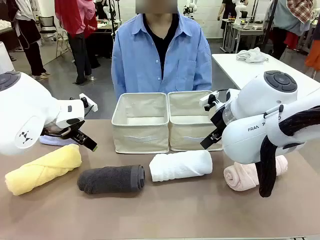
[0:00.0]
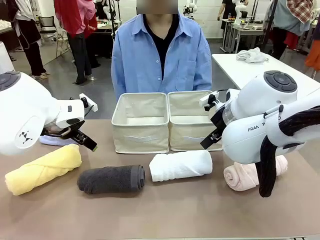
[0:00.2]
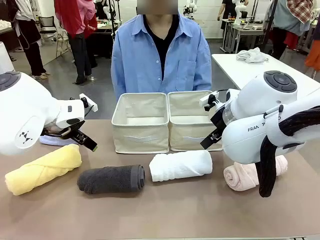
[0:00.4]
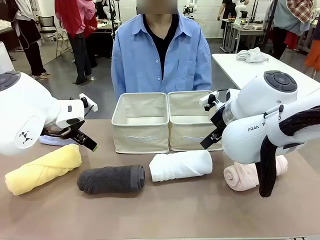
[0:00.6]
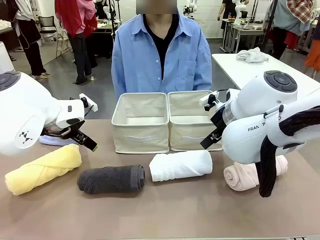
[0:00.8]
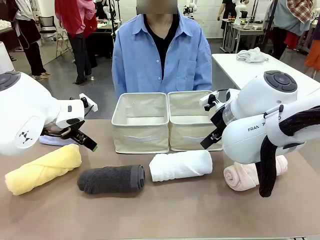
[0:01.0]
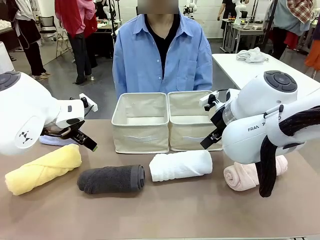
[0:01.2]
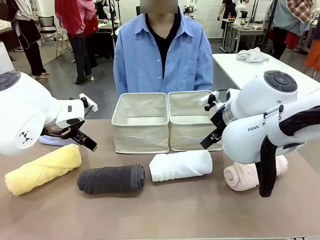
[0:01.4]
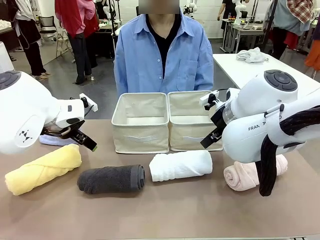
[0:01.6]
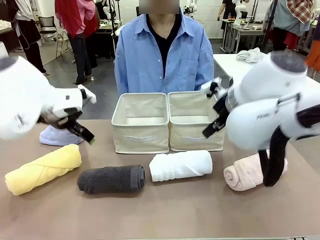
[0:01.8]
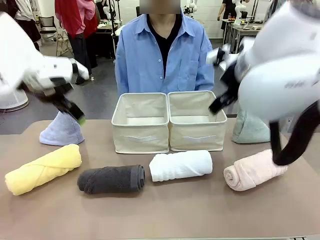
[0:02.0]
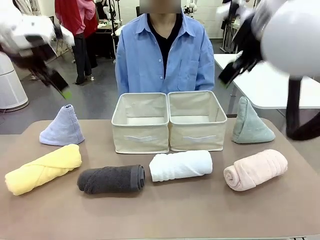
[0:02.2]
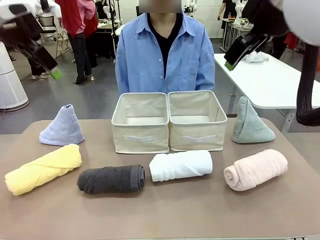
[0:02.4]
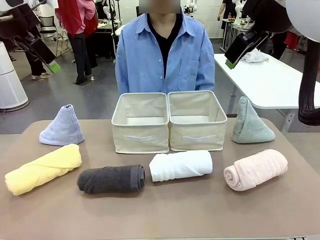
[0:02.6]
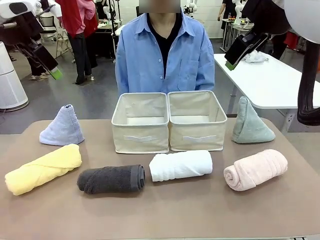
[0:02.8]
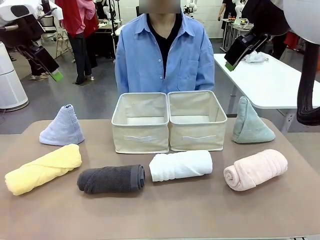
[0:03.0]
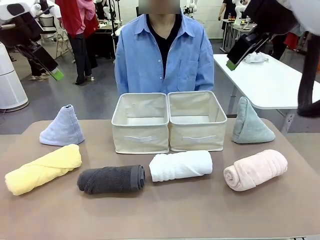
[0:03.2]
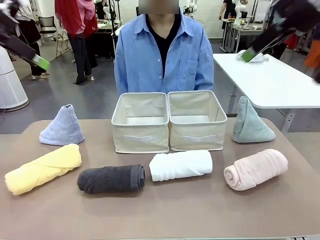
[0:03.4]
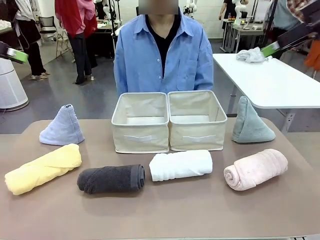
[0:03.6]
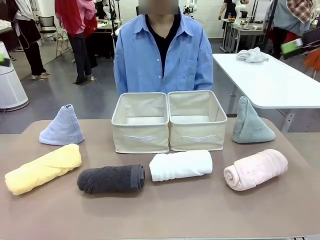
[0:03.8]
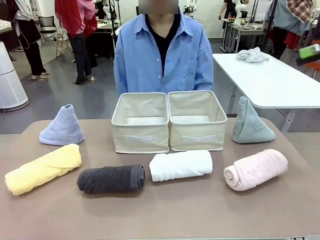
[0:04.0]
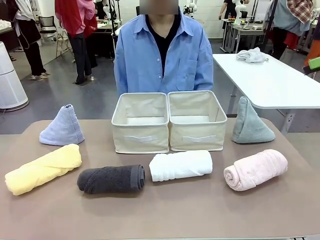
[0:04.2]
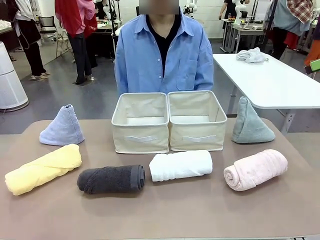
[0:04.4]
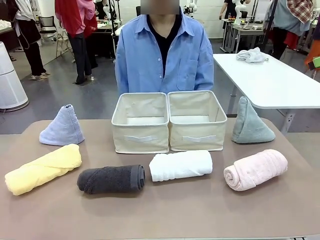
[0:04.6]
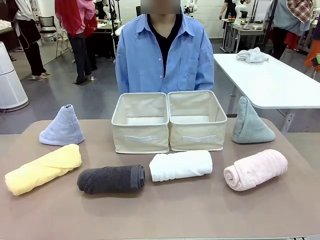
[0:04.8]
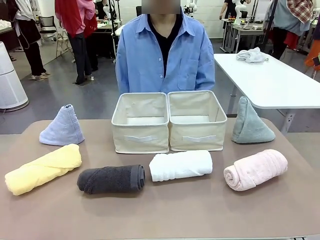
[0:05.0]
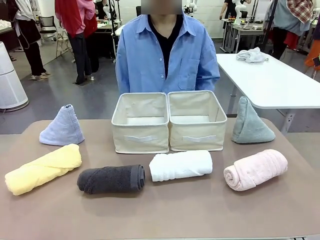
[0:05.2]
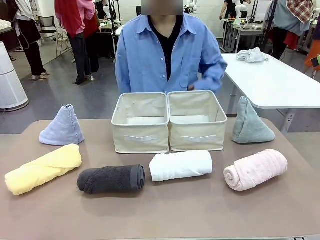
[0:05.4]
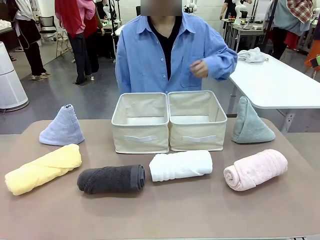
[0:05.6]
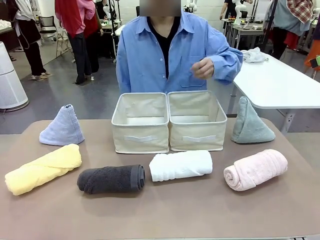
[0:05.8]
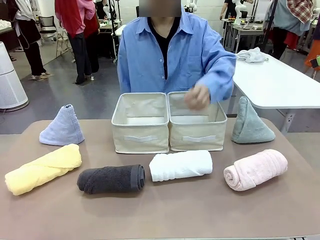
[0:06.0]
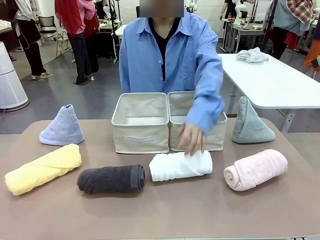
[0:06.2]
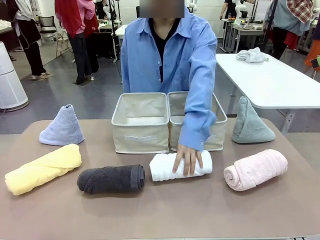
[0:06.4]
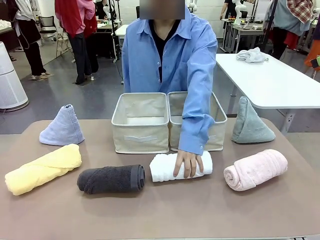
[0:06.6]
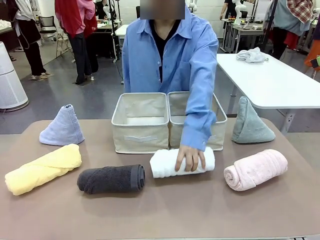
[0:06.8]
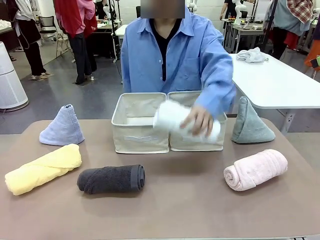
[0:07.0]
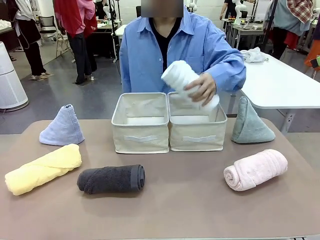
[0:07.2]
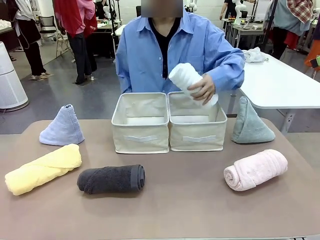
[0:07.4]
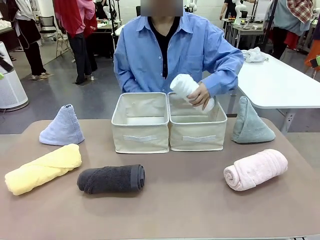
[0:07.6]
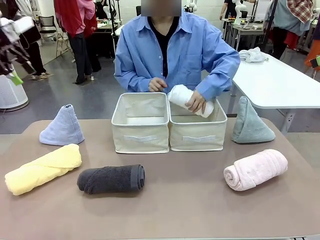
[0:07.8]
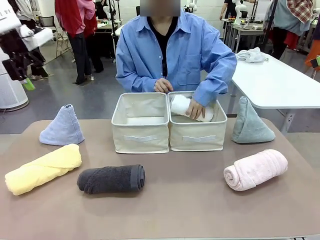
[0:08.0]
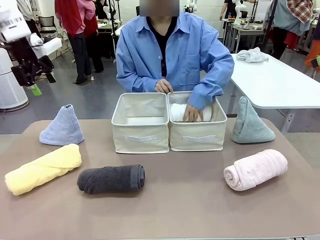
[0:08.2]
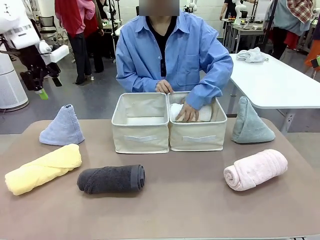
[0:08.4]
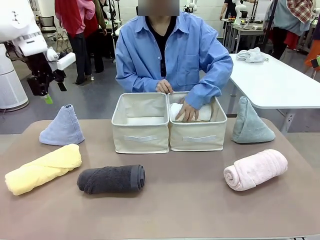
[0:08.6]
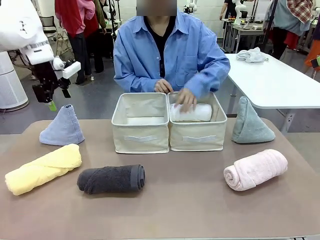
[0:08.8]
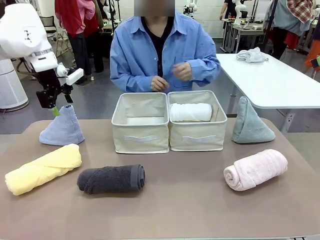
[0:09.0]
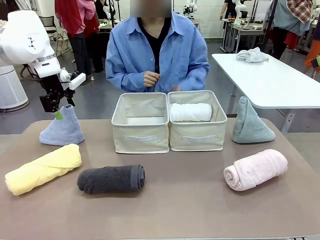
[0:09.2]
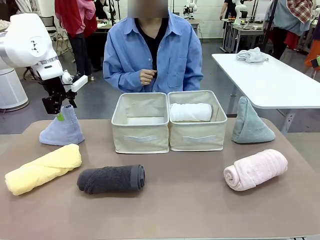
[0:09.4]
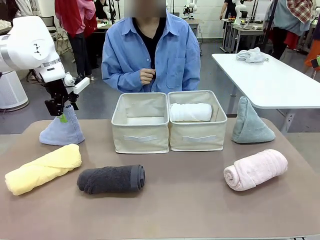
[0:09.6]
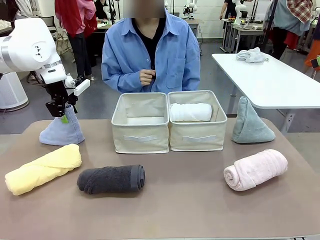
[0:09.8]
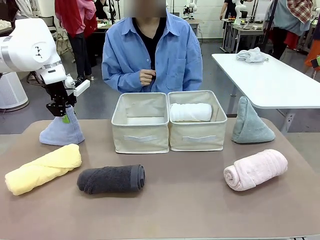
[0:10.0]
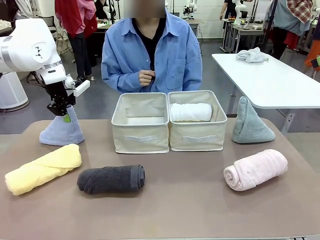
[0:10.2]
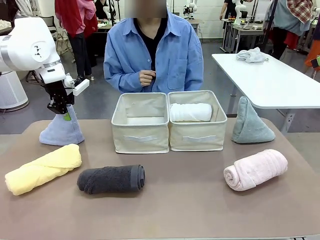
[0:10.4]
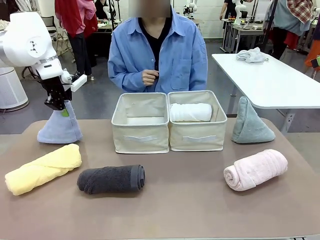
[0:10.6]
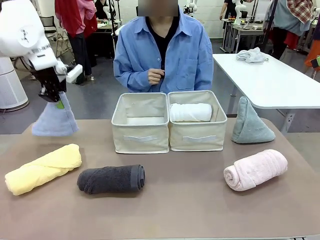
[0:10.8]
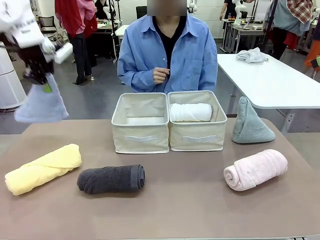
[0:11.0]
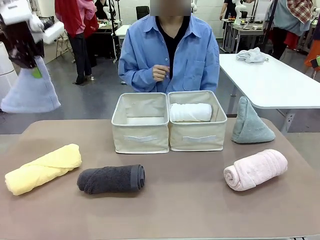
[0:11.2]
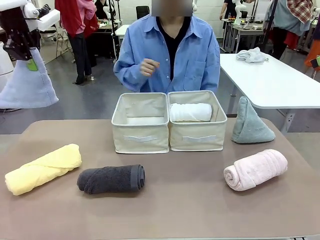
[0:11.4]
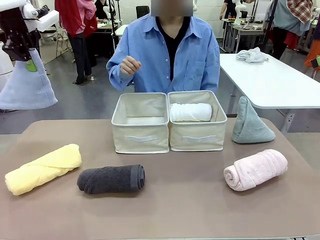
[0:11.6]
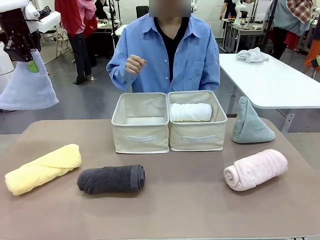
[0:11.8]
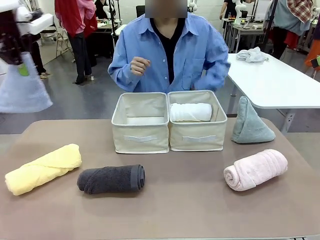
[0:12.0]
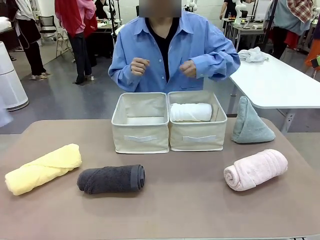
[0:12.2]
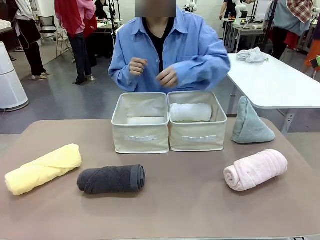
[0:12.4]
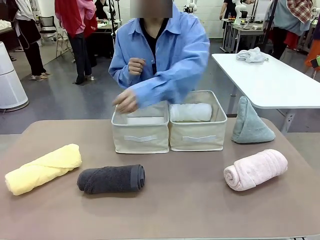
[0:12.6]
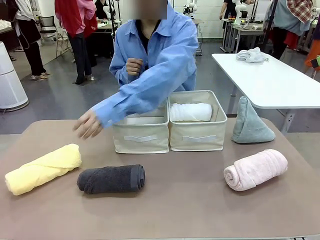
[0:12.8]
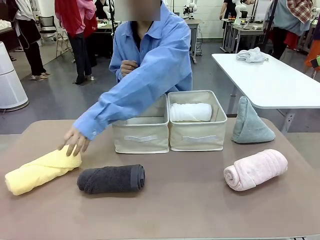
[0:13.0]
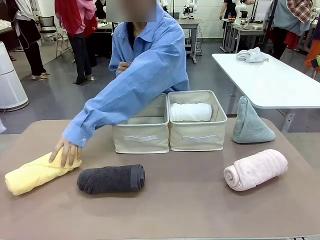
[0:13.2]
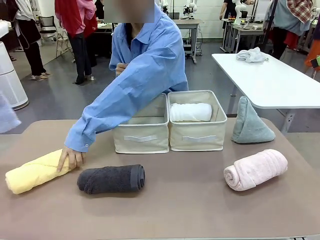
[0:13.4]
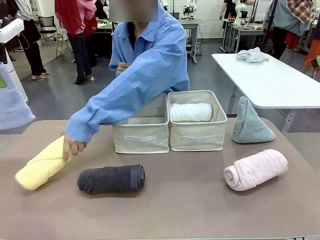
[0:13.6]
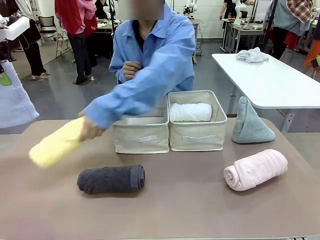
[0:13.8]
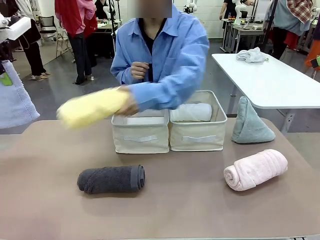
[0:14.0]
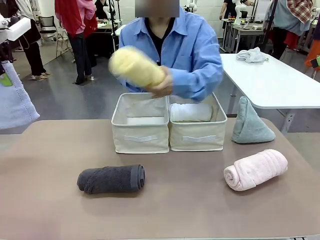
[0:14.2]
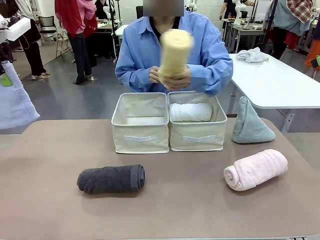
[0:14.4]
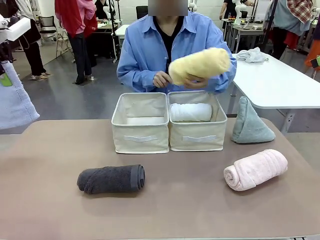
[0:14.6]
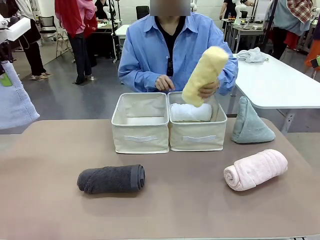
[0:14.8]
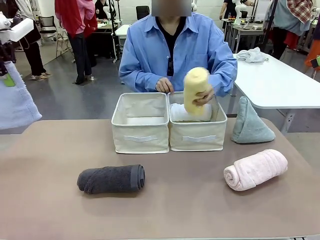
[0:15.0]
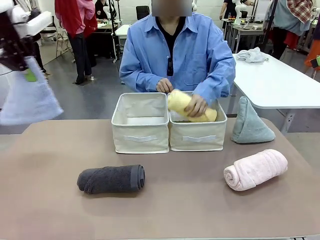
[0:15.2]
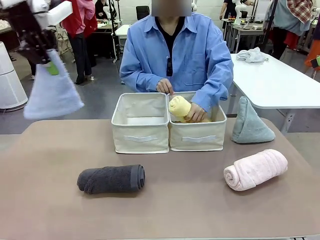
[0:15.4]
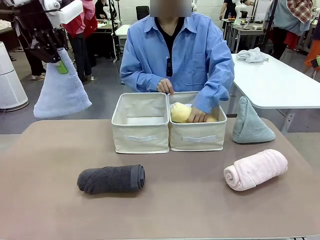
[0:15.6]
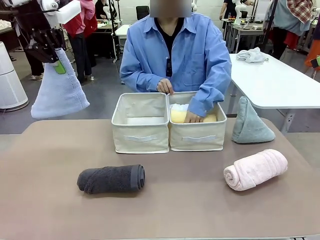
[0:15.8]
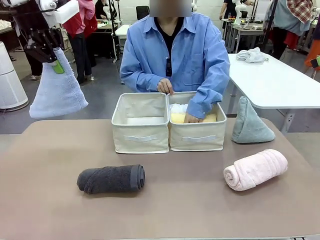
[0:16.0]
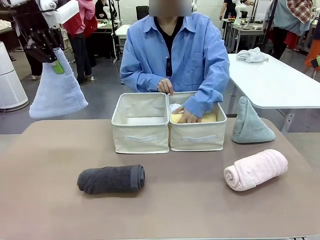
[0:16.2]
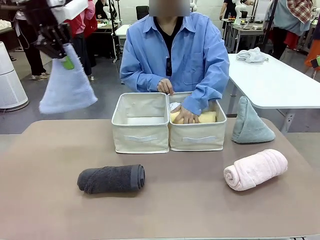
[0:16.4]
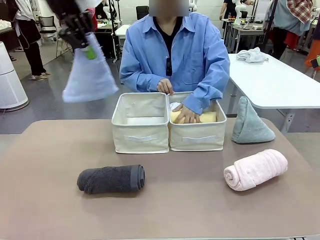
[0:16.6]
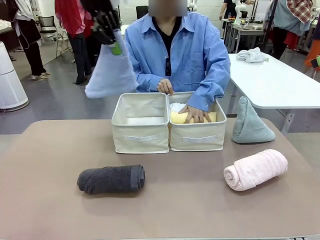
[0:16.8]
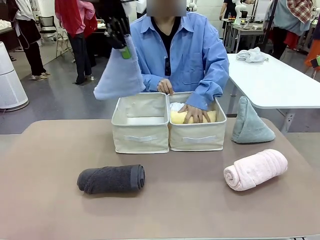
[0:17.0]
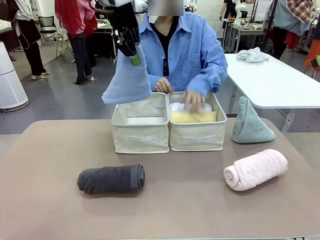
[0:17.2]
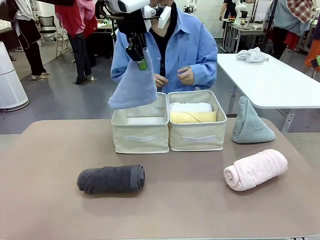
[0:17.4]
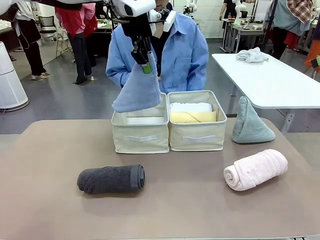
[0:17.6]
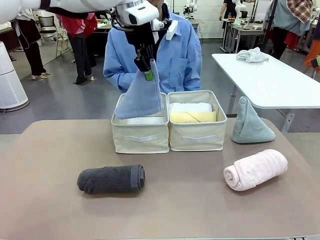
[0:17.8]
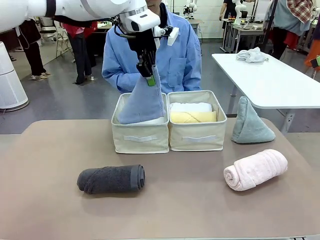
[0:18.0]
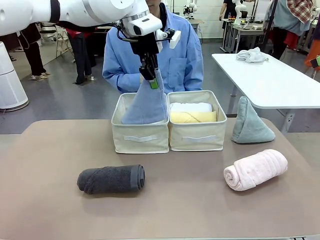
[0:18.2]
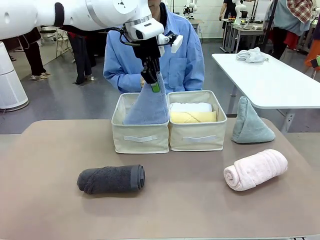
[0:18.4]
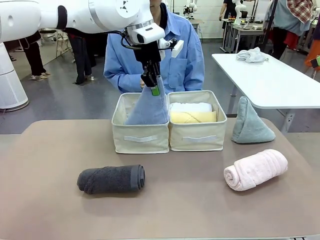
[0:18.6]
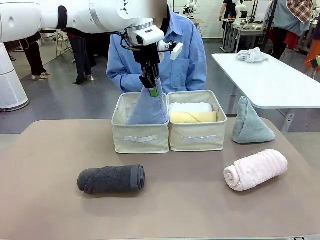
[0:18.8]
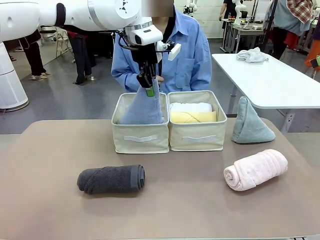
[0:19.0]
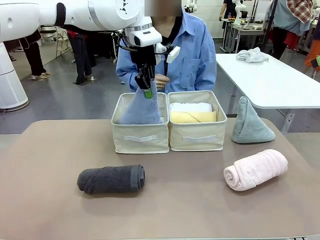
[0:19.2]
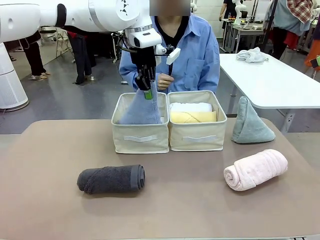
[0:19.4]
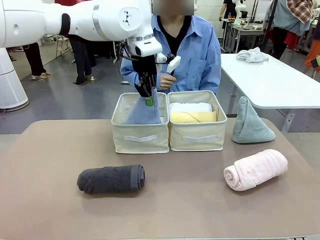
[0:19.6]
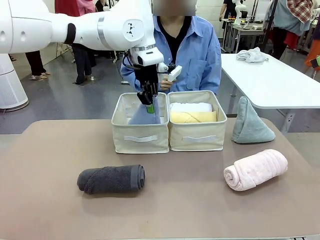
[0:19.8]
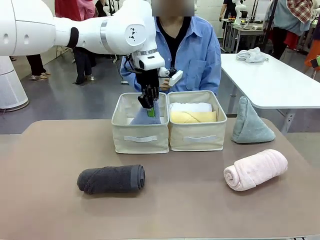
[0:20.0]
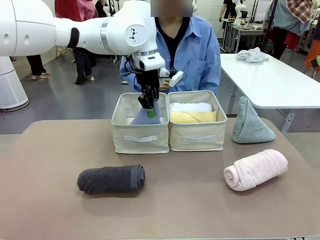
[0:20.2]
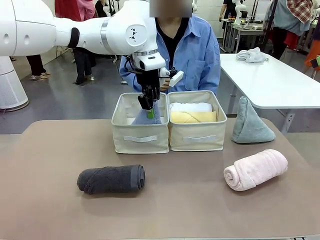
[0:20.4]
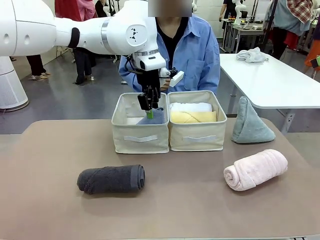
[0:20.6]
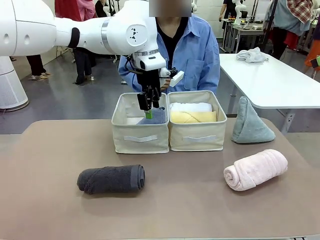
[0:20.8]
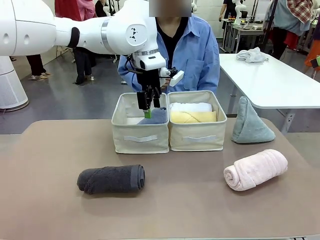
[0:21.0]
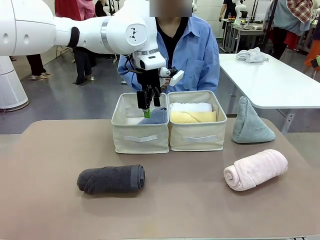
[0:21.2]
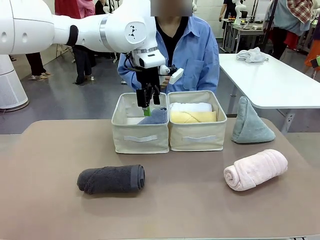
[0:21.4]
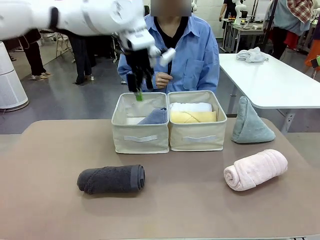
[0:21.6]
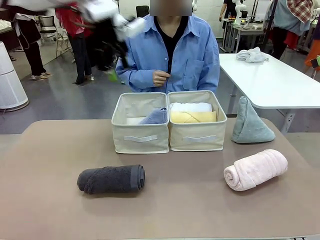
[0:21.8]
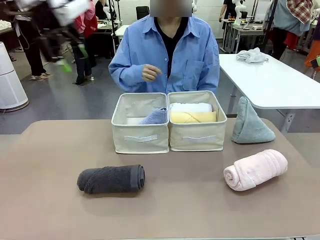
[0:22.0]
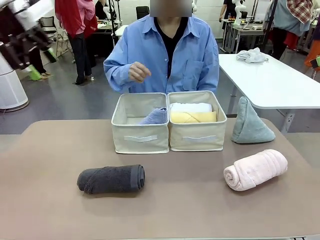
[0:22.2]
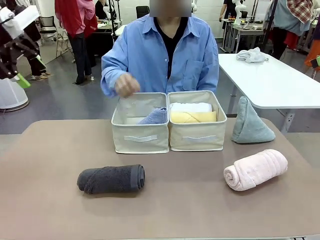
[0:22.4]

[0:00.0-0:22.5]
Task: Sort the towels based on their folding style.
Robot: Pick up one triangle-folded towel and place it in the left Fabric basket.
Person: Pick up one hotel-style rolled towel and place it in the left fabric basket.
